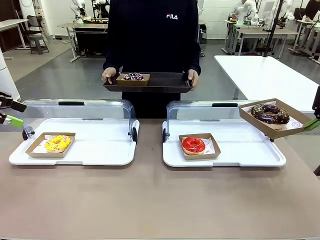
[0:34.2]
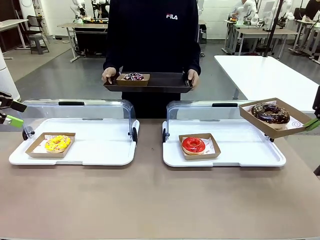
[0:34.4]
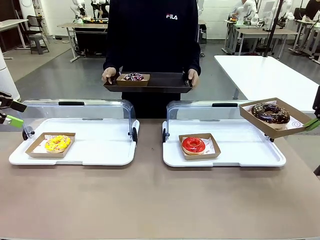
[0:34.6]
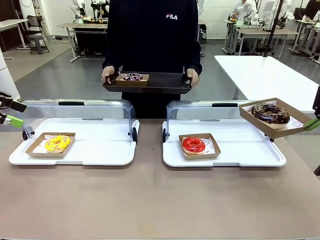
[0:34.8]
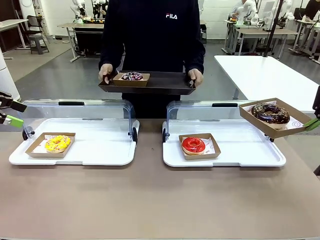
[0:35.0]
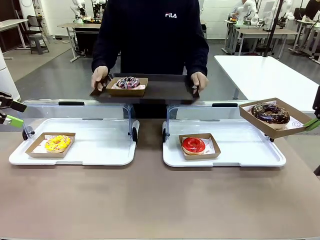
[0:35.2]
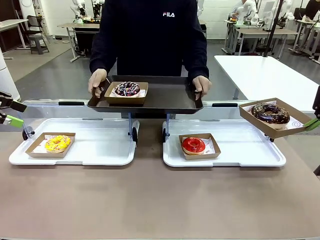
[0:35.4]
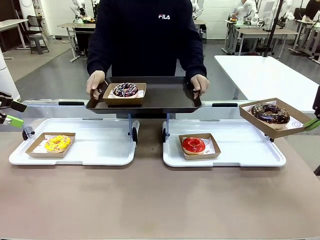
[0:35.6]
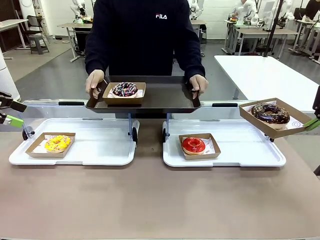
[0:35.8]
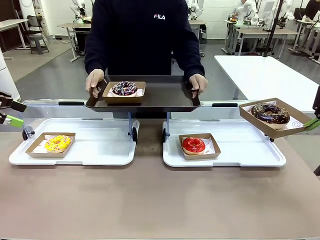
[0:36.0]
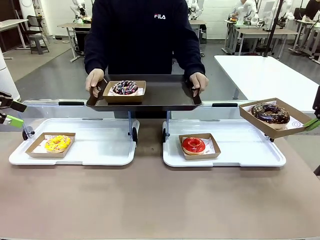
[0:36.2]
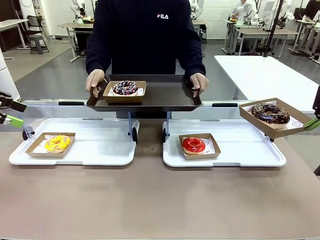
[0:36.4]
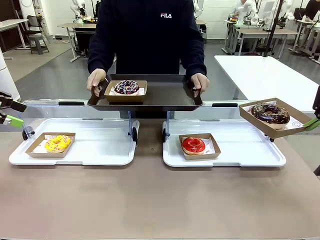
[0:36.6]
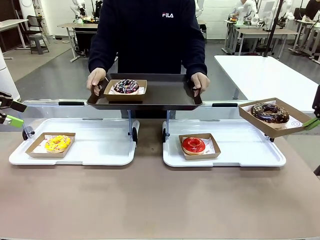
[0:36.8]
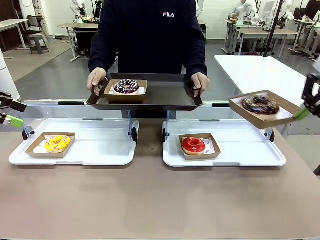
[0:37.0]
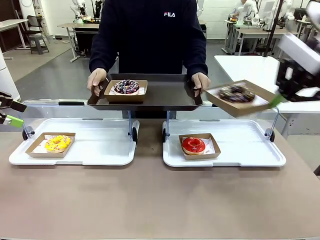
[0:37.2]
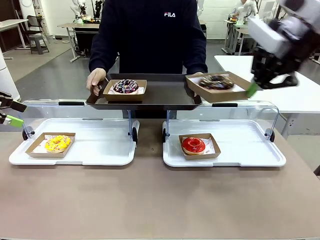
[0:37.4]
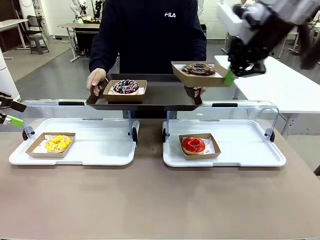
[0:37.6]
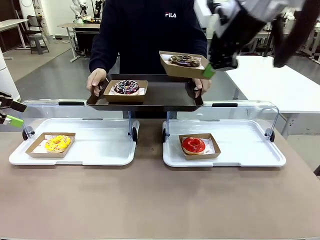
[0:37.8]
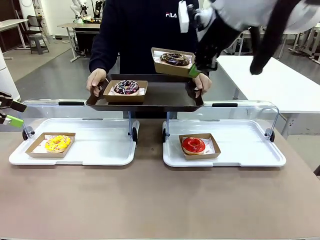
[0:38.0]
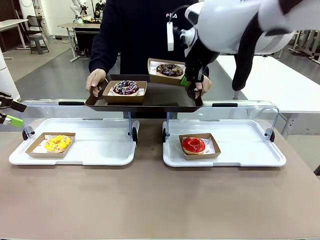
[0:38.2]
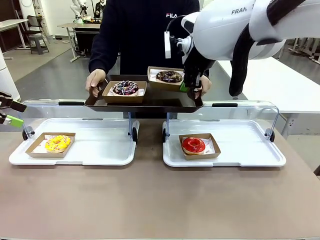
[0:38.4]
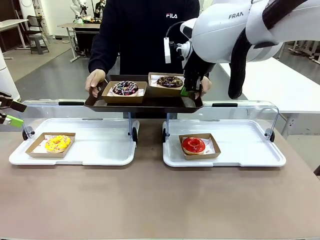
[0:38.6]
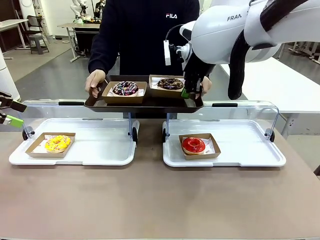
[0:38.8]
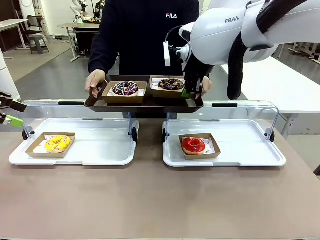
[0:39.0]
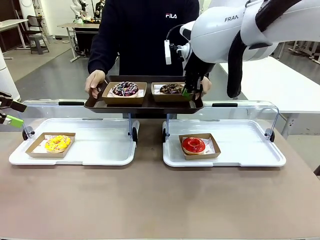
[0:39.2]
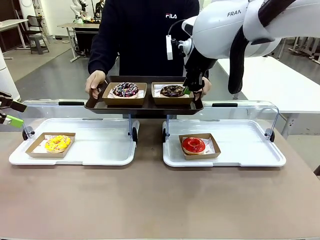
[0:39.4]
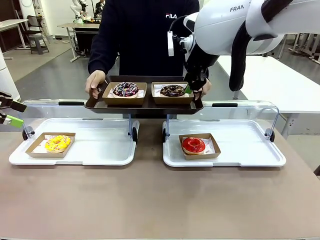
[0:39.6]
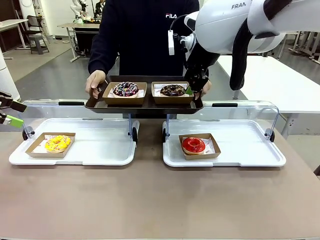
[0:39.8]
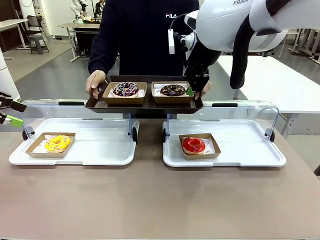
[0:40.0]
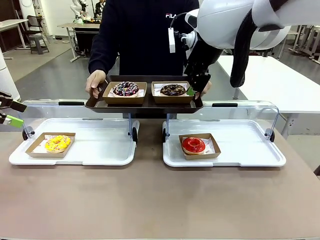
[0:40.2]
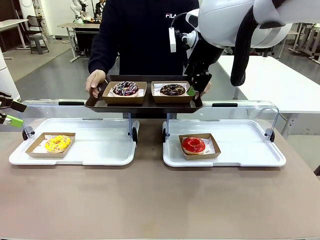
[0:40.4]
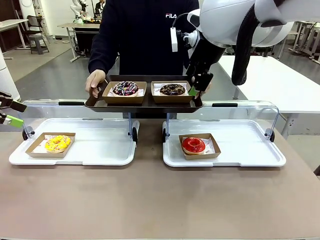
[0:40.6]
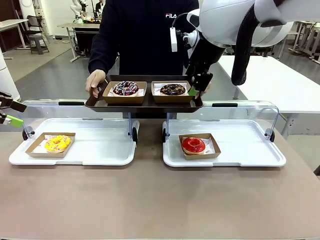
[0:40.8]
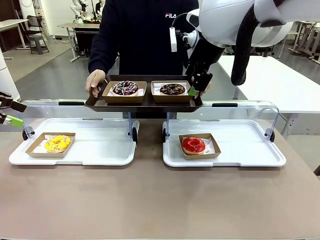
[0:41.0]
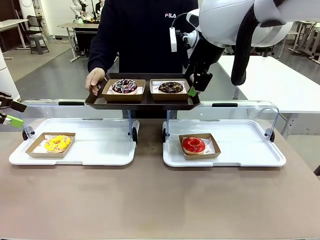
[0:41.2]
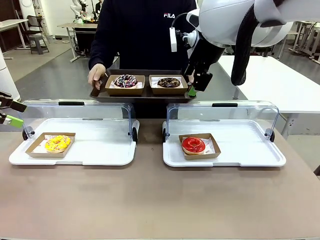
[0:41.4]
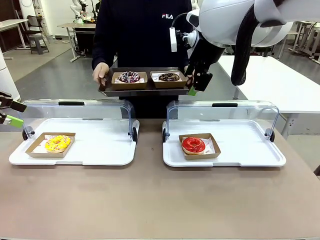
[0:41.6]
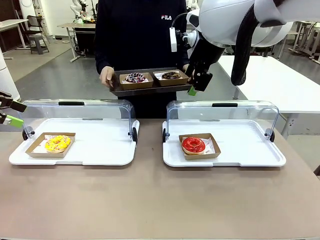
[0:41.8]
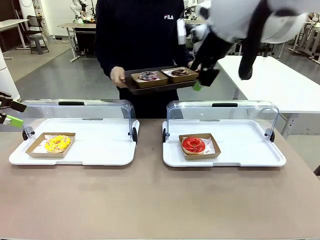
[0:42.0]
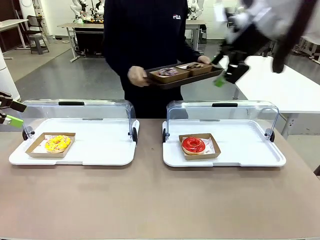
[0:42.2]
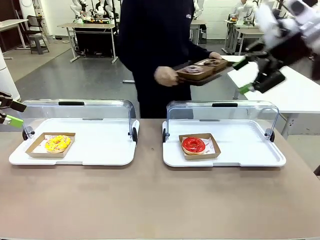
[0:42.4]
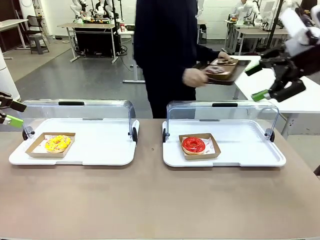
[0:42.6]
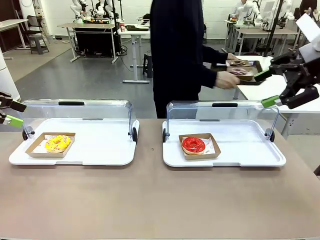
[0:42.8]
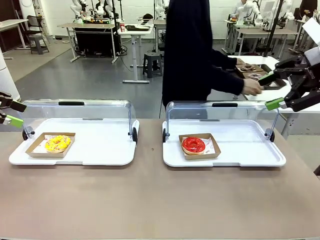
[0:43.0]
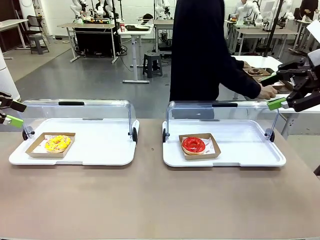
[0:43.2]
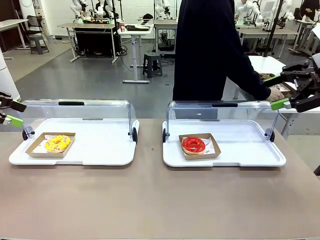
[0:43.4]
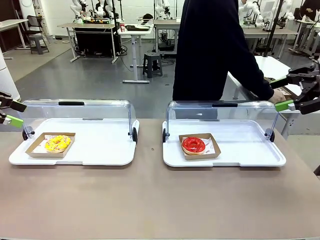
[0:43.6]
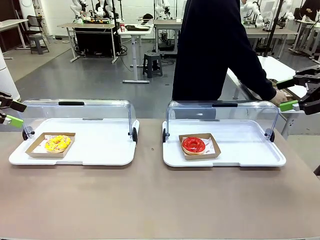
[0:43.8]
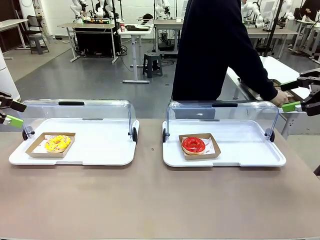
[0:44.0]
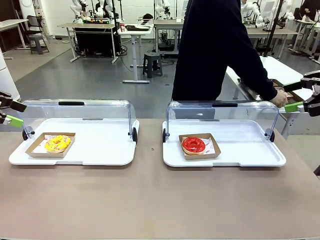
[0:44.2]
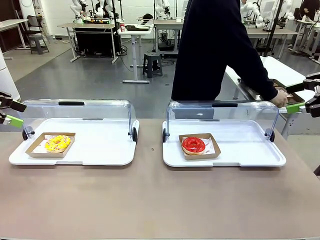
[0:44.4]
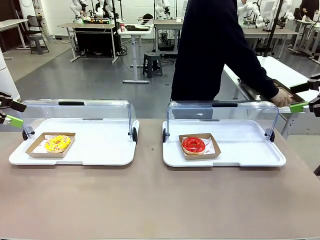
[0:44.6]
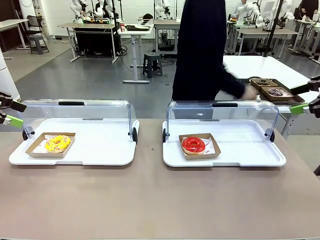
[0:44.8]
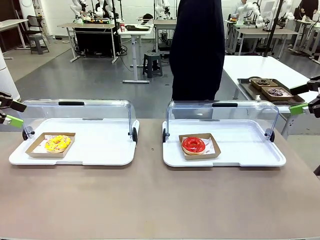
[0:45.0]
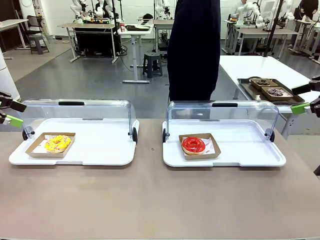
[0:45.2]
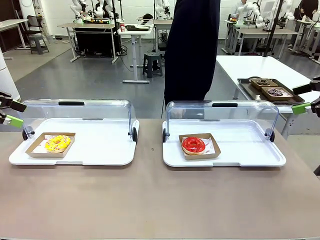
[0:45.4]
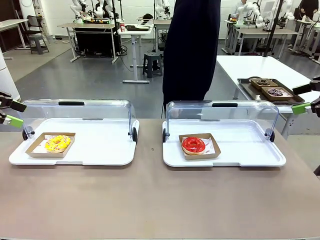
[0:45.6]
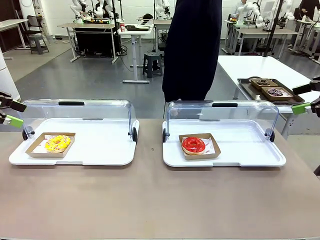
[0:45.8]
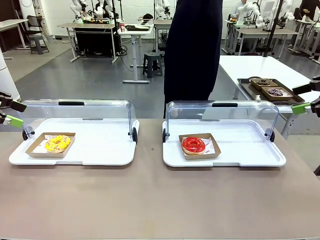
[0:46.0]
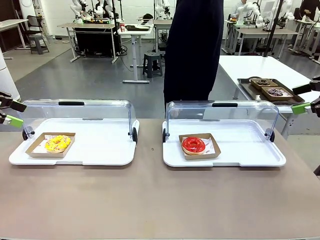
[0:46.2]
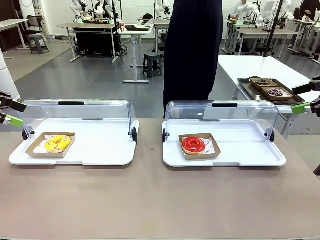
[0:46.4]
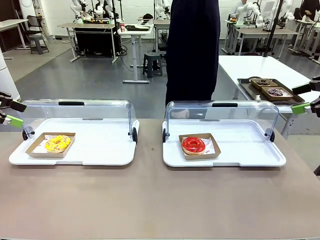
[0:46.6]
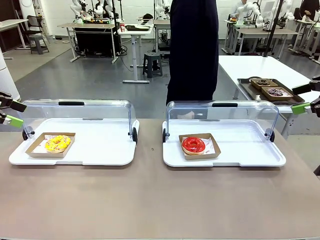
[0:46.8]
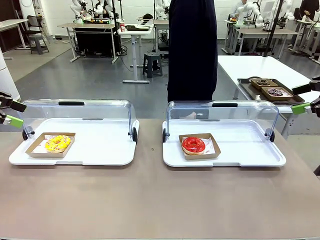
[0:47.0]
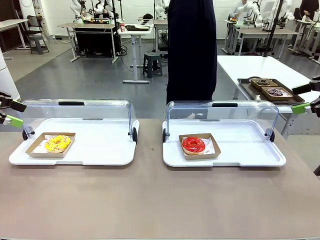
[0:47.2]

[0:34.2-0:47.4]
Task: Provide the desired donut to the person.
Robot: Place the picked Paper togo box onto the Handle tray extended by the person.
Person: Place the tray in the middle of the human table.
